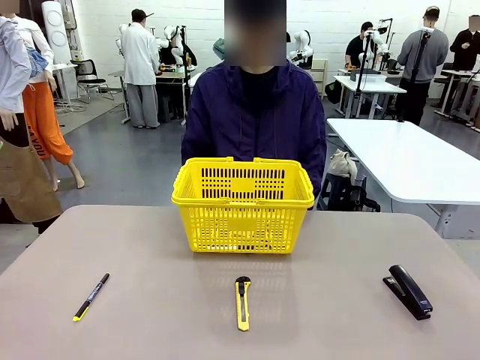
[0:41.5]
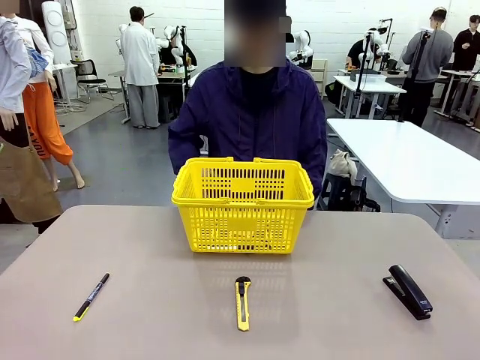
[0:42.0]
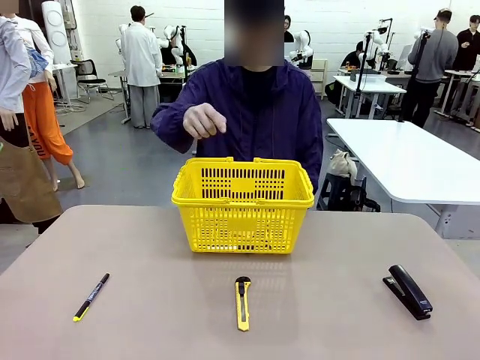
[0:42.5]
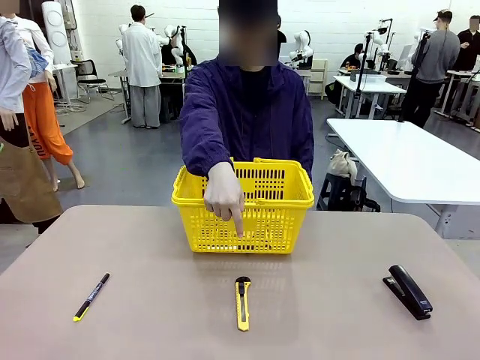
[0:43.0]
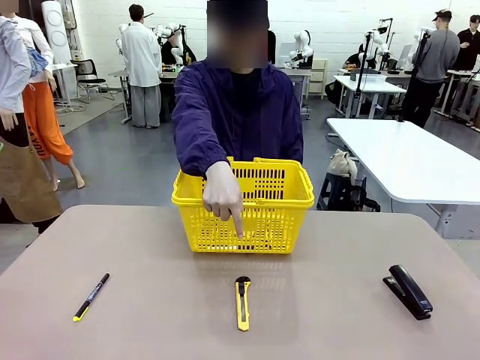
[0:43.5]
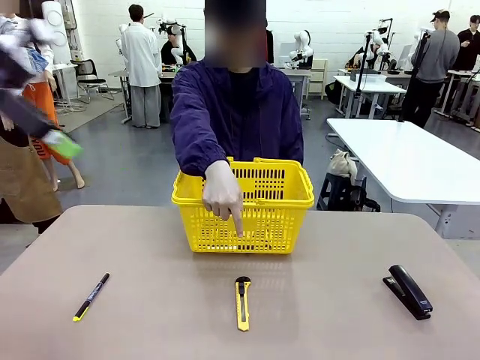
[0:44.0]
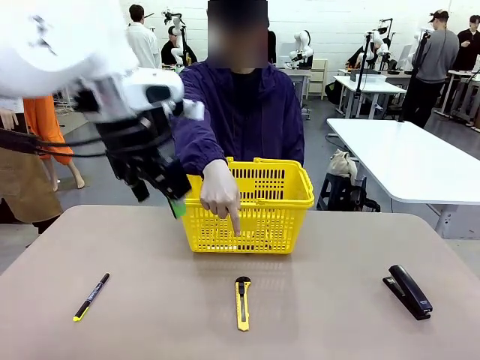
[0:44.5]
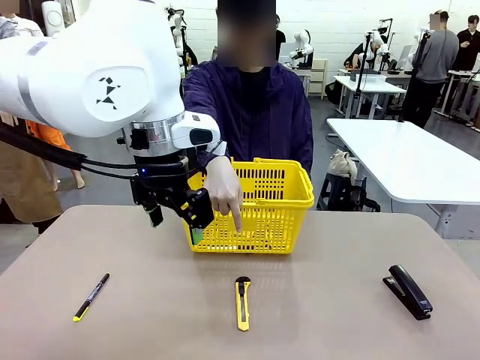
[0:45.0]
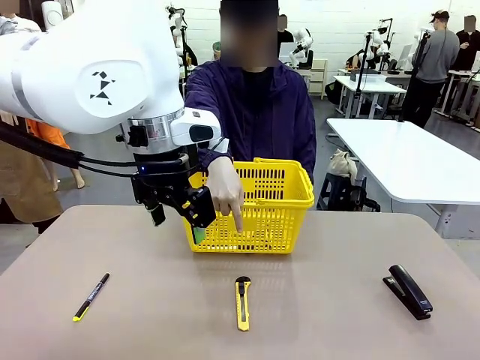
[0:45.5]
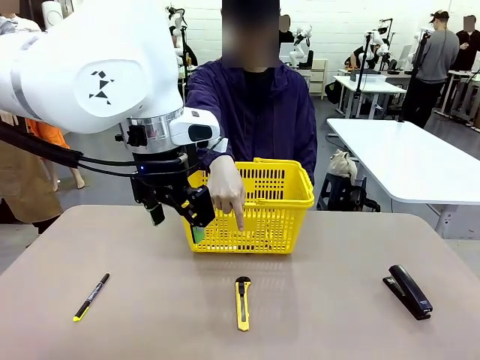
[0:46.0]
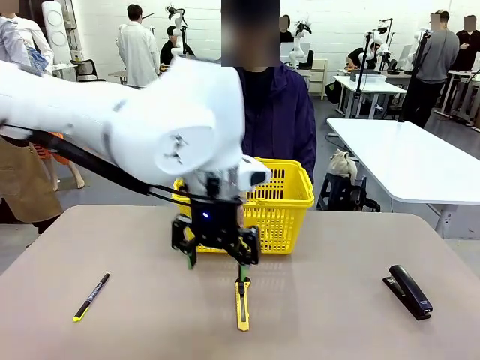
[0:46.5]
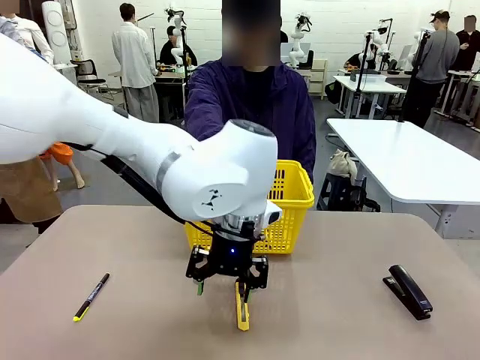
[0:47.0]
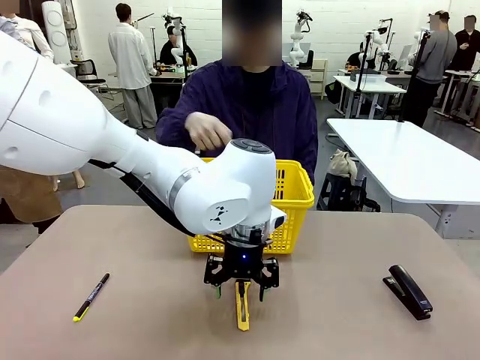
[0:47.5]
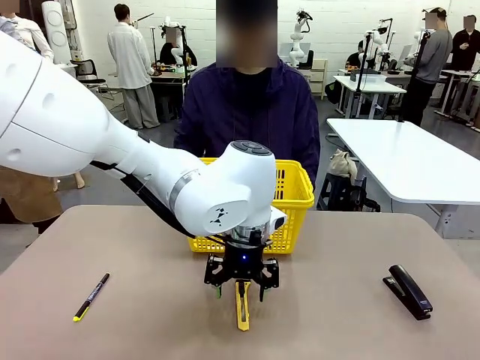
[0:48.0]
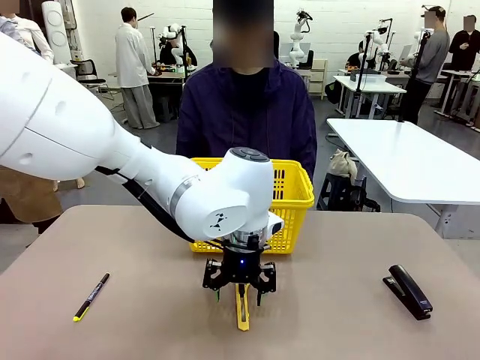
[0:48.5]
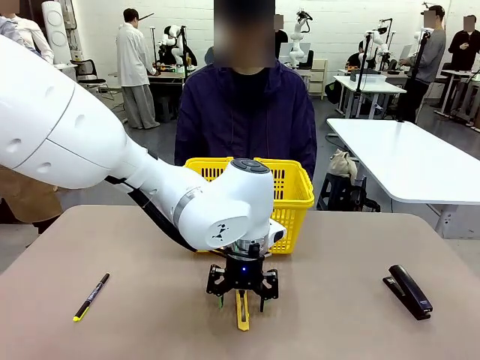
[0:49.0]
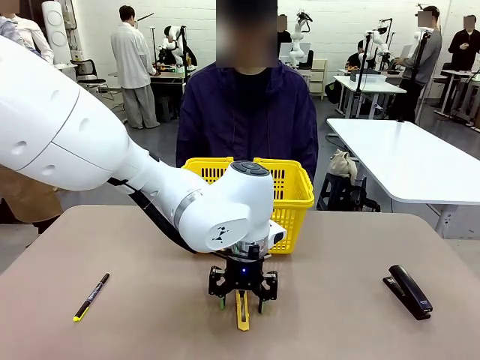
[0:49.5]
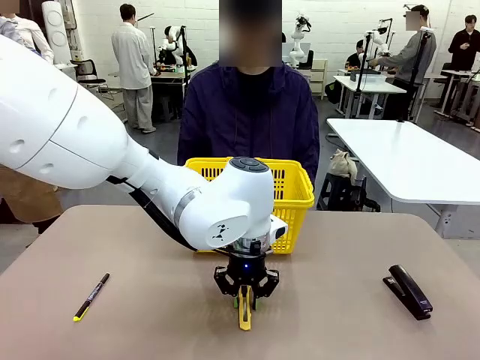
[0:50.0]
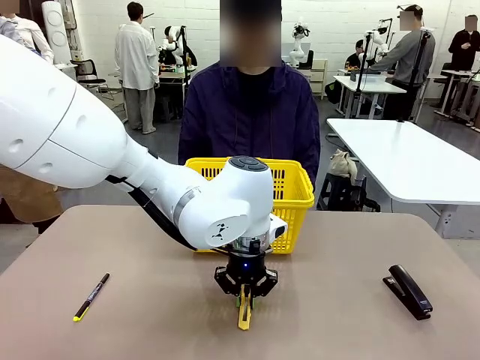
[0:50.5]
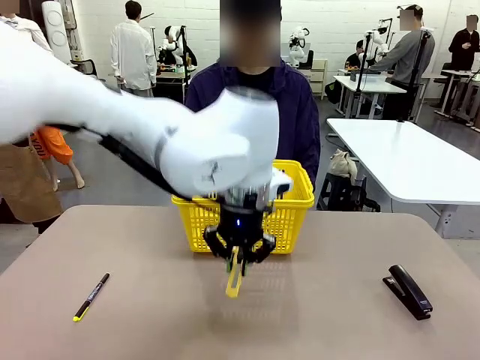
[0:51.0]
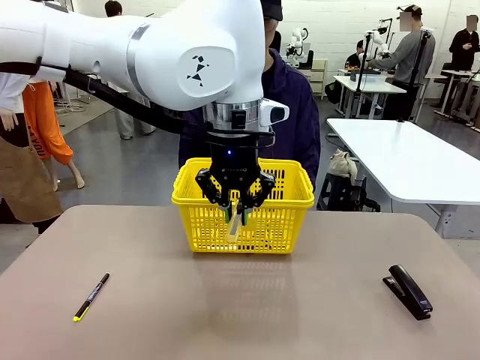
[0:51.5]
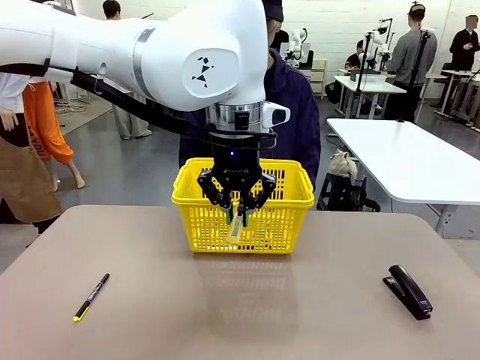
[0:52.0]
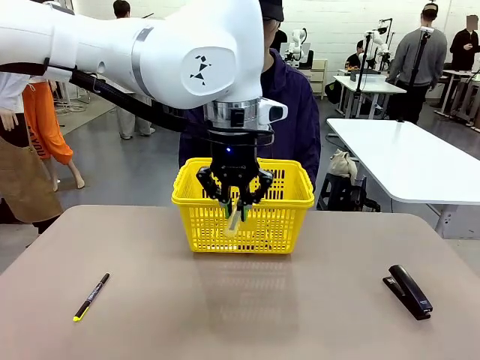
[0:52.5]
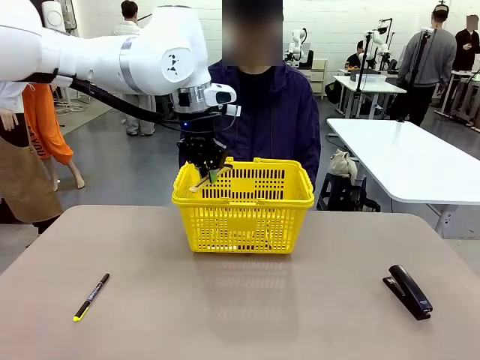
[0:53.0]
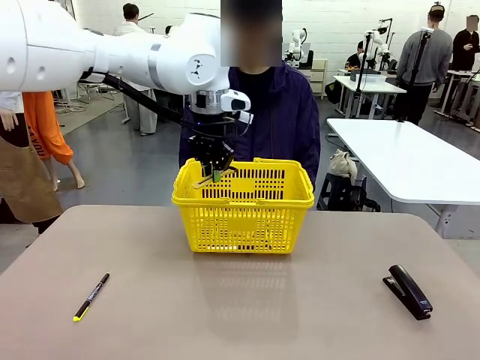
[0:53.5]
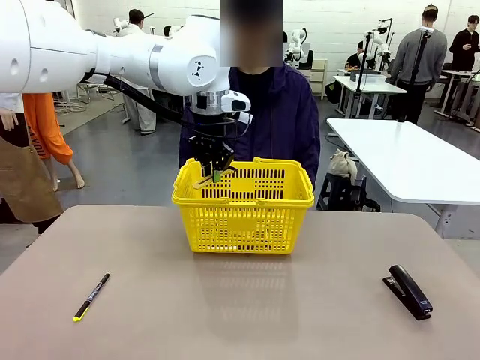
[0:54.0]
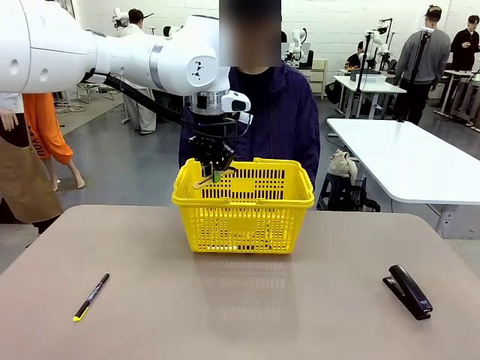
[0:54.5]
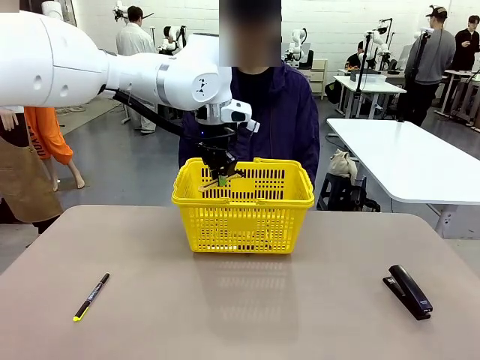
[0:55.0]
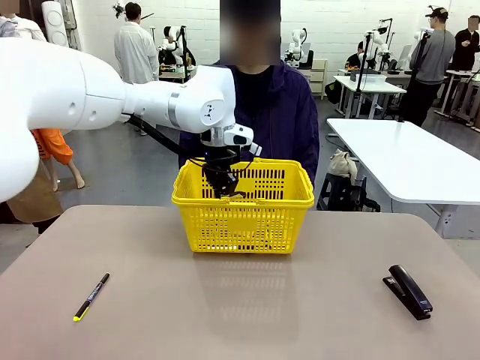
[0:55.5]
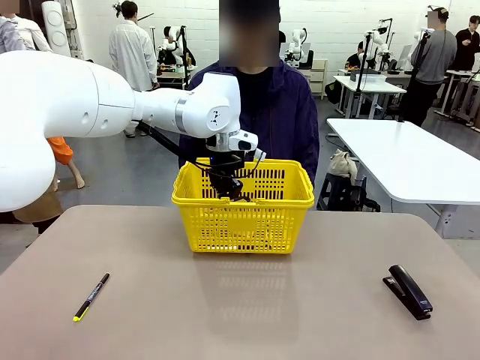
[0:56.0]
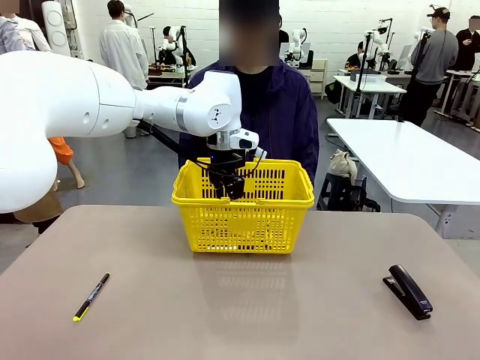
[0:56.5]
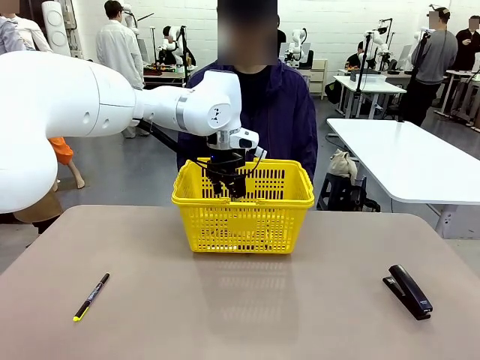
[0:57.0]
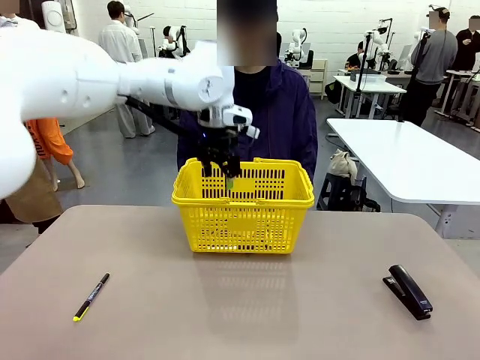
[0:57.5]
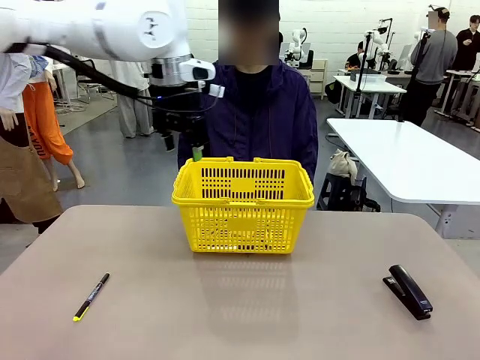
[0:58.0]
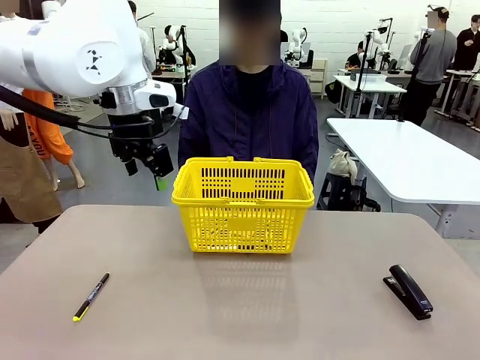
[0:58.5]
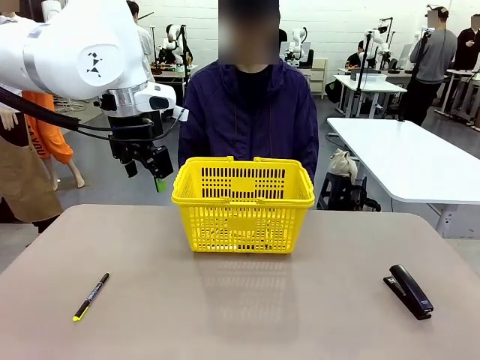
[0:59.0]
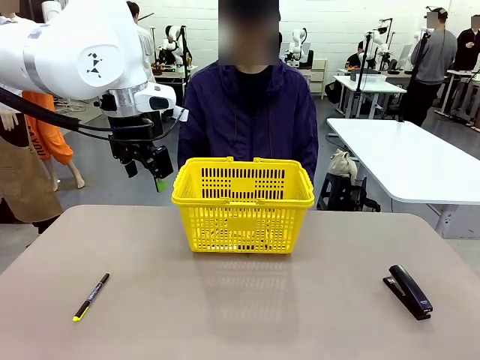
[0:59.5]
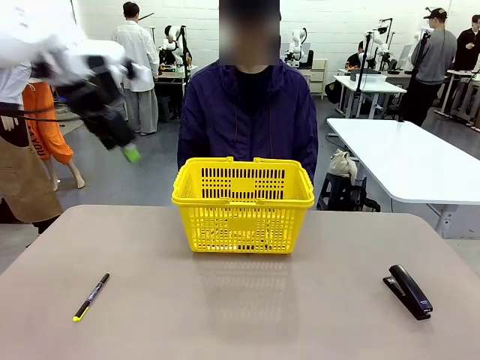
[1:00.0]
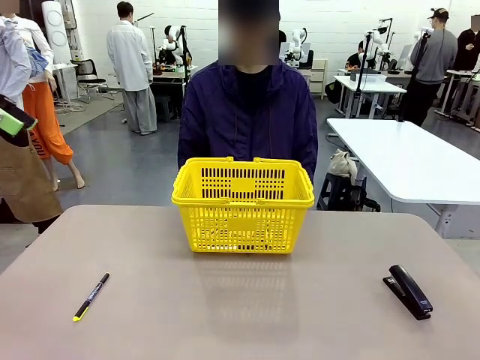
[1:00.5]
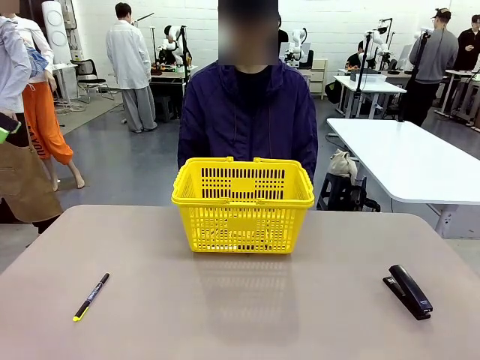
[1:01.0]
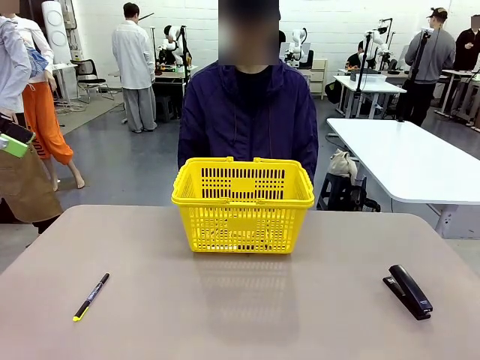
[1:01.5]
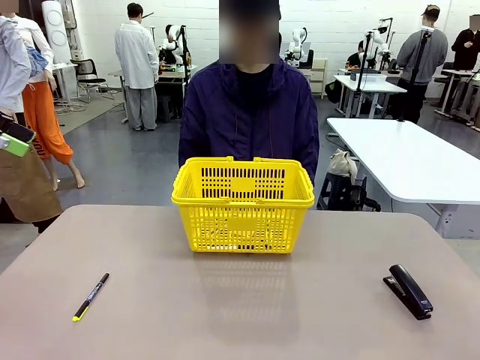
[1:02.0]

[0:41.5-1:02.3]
Task: Place the items the person wants into the basket.
Robot: Pick up the item the person points to and place it in the Market Basket.

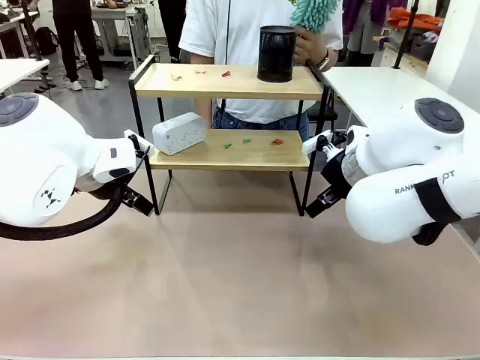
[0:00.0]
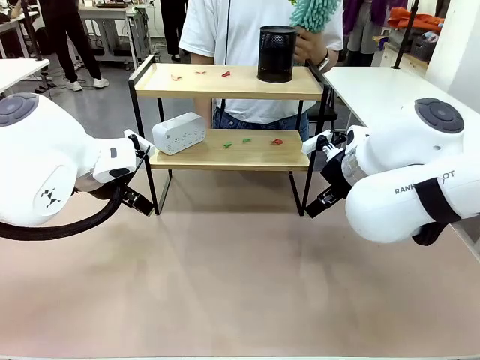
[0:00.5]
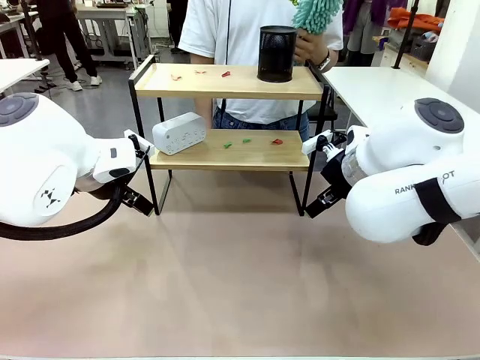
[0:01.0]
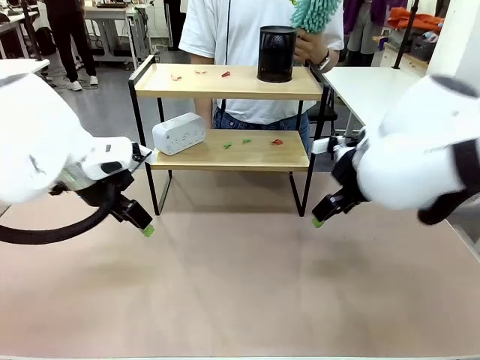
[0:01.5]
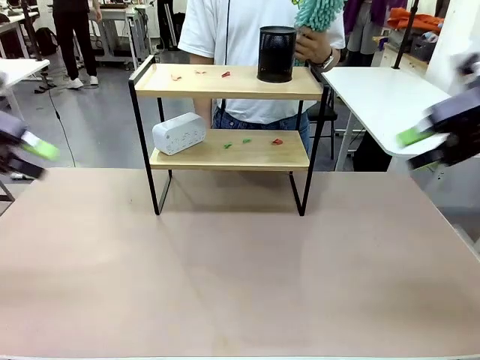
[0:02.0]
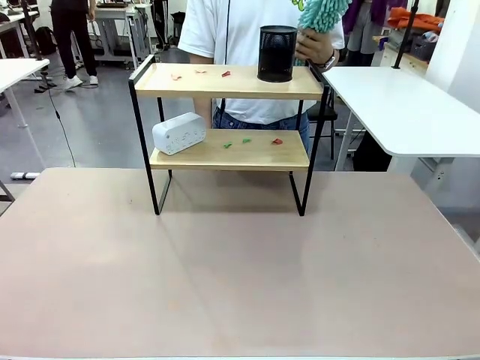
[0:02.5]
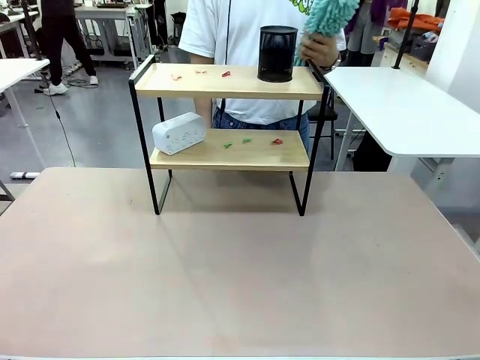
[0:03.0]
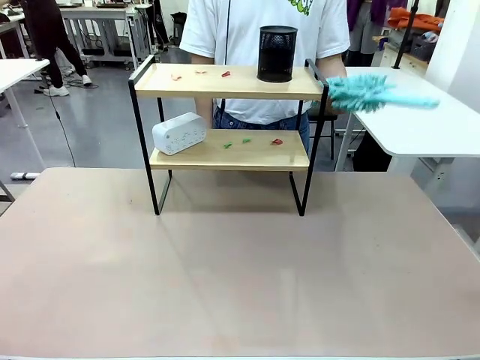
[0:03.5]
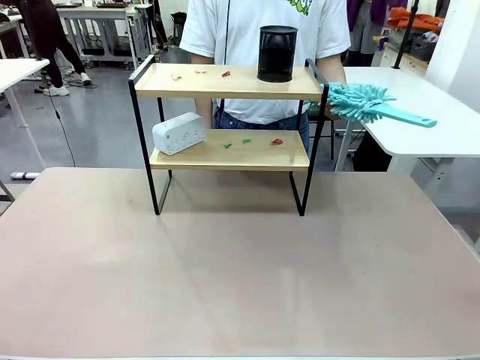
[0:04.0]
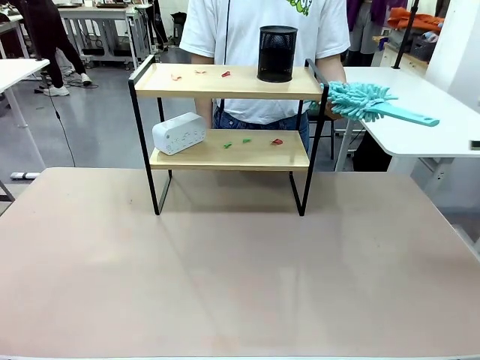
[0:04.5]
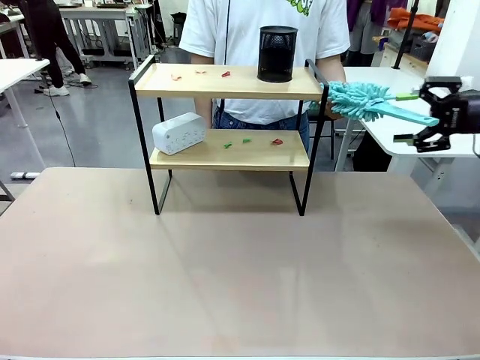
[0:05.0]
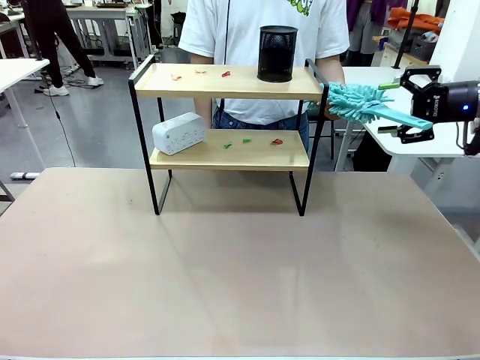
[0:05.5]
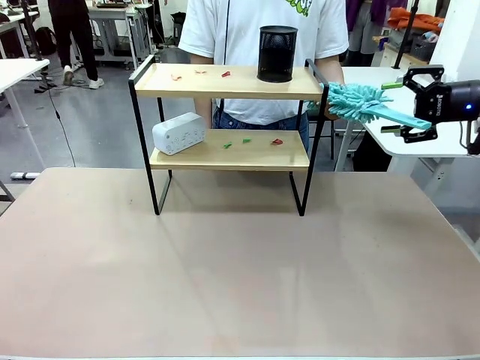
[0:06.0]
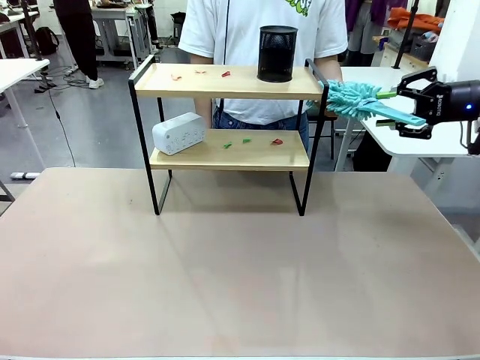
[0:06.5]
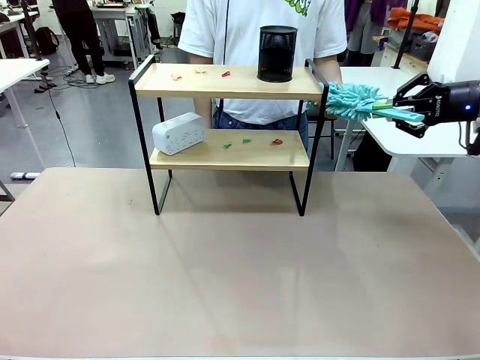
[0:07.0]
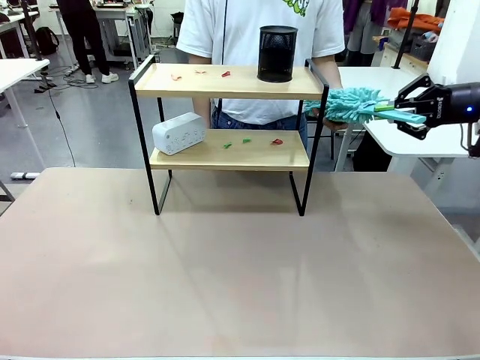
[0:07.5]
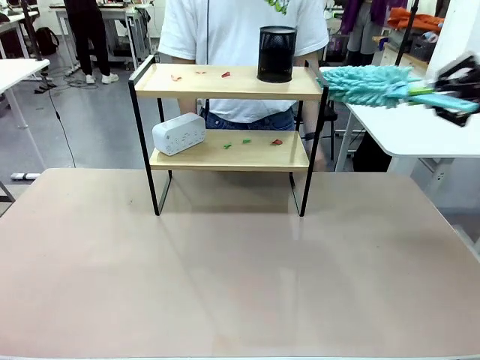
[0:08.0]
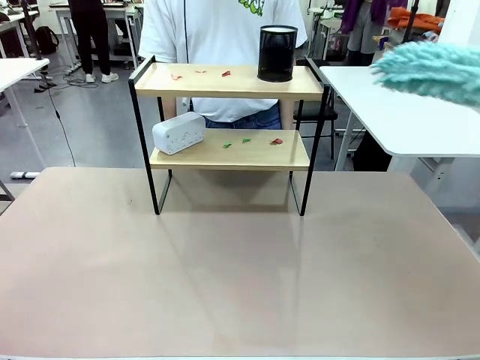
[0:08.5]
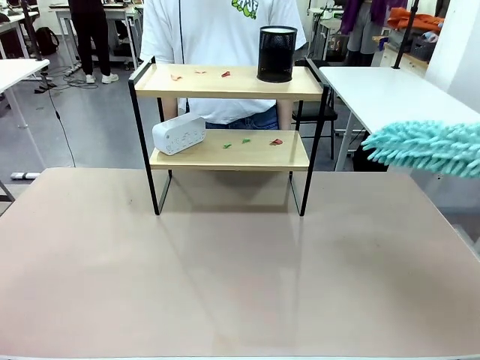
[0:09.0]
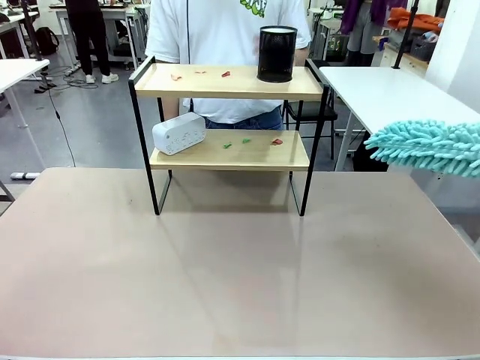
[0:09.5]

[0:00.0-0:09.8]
Task: Clean the shelf.
Robot: Pick up the Duster from the human.
Person: Hand the Duster to the robot.
